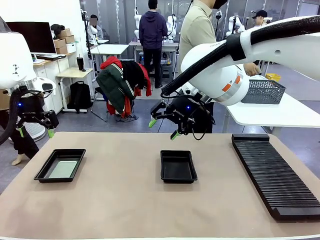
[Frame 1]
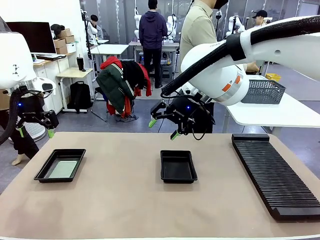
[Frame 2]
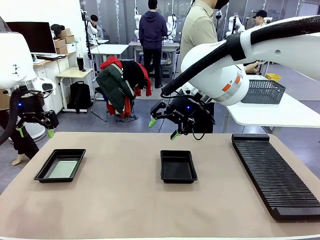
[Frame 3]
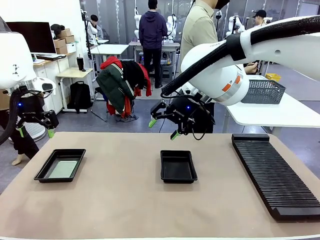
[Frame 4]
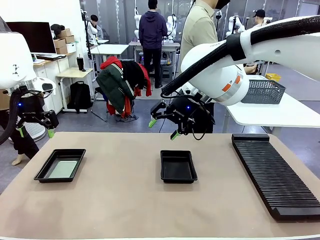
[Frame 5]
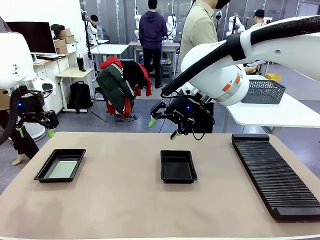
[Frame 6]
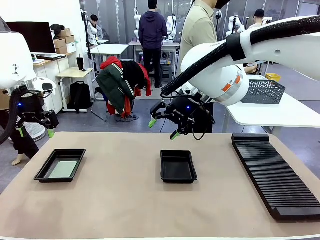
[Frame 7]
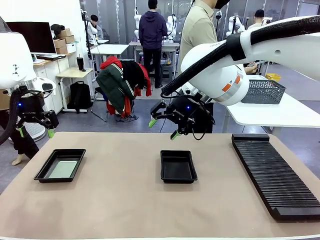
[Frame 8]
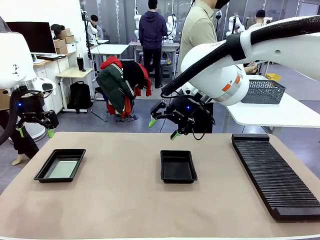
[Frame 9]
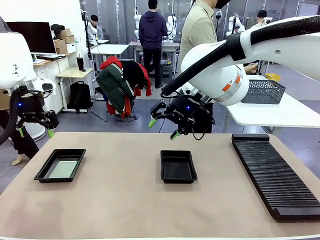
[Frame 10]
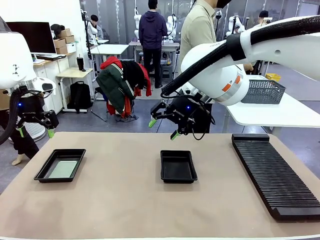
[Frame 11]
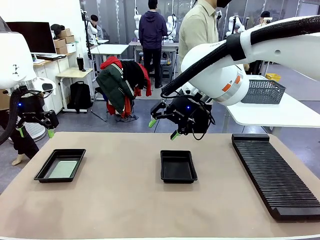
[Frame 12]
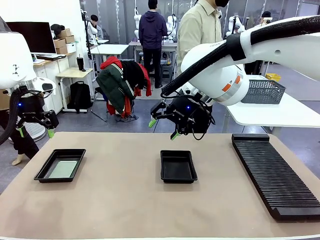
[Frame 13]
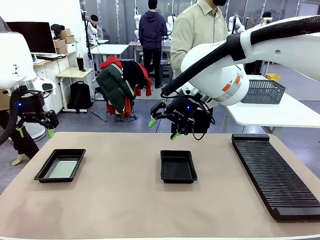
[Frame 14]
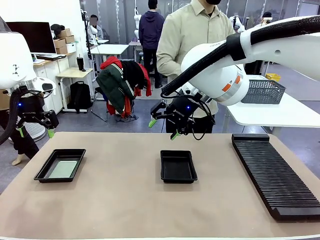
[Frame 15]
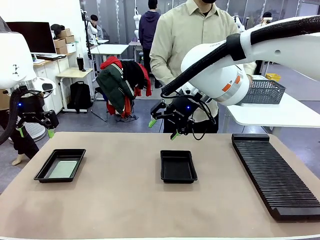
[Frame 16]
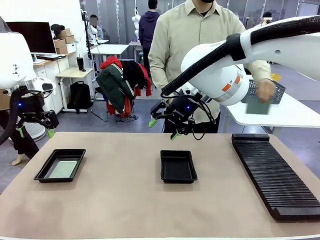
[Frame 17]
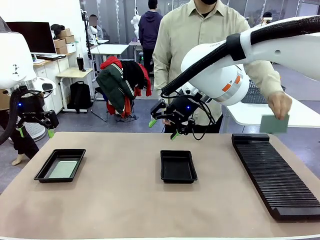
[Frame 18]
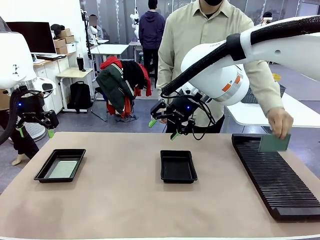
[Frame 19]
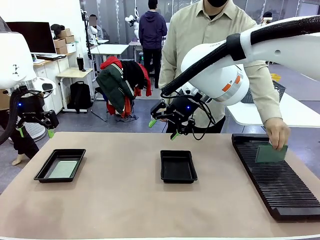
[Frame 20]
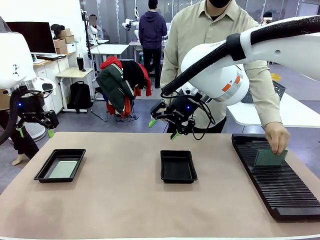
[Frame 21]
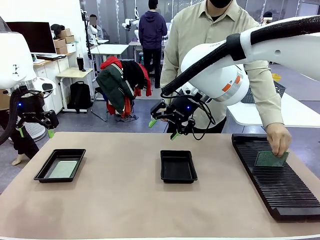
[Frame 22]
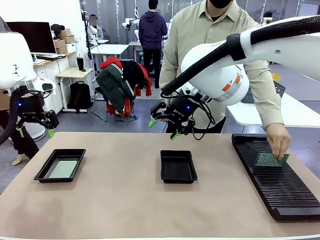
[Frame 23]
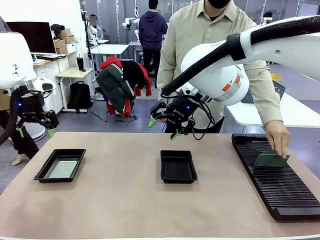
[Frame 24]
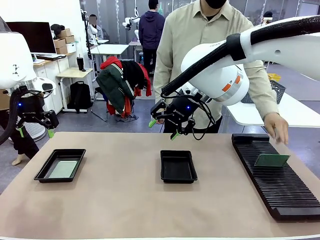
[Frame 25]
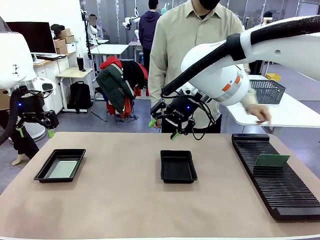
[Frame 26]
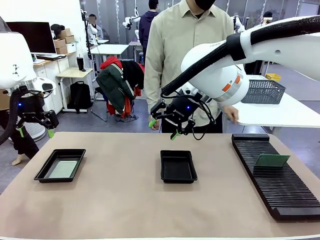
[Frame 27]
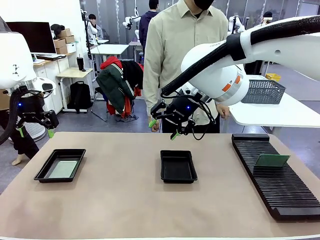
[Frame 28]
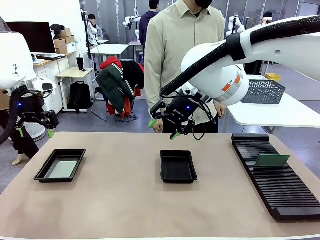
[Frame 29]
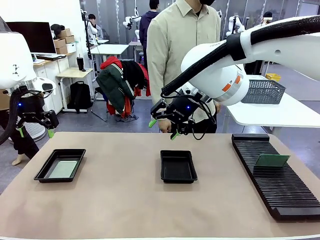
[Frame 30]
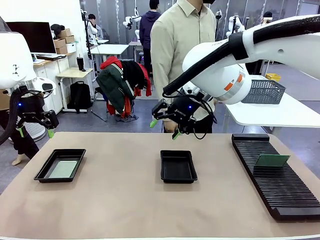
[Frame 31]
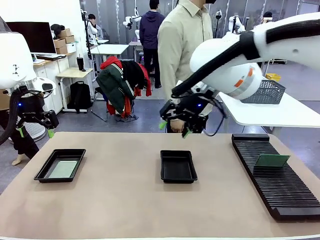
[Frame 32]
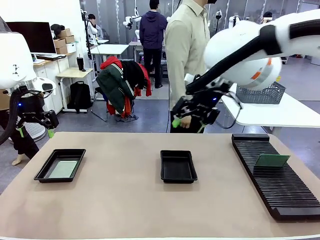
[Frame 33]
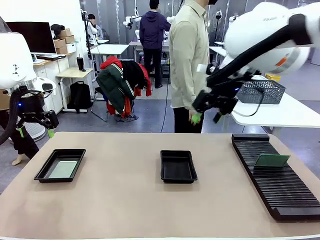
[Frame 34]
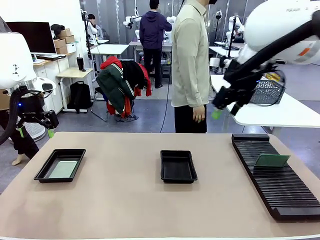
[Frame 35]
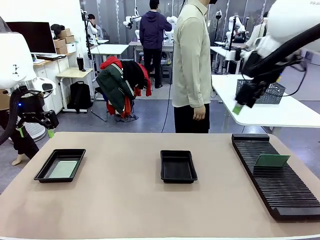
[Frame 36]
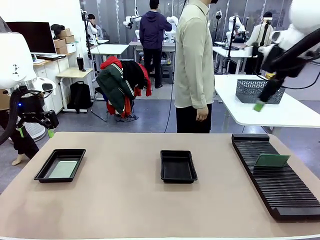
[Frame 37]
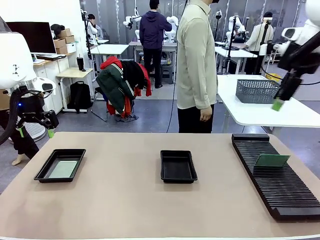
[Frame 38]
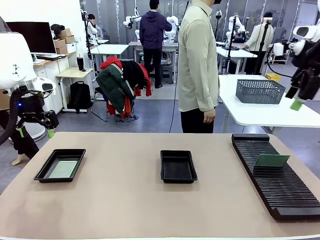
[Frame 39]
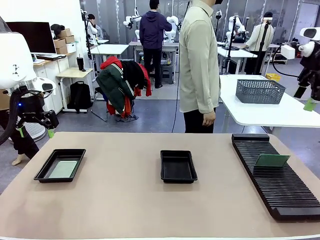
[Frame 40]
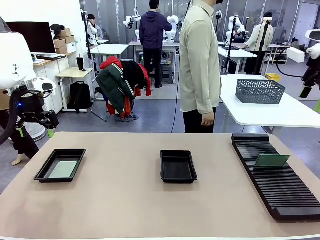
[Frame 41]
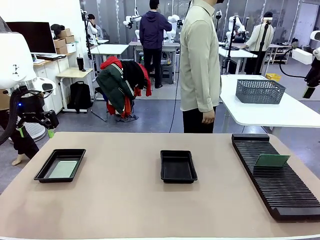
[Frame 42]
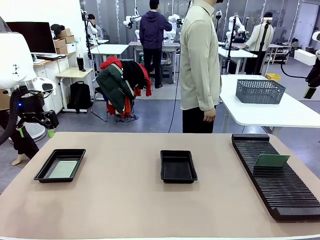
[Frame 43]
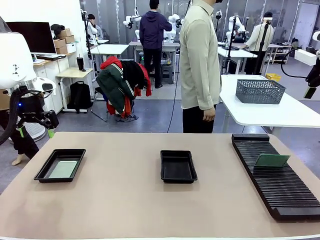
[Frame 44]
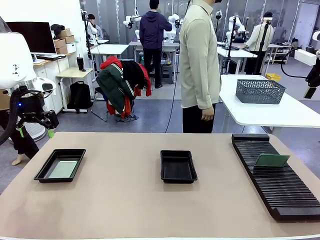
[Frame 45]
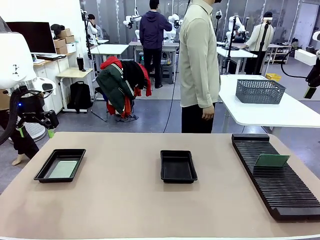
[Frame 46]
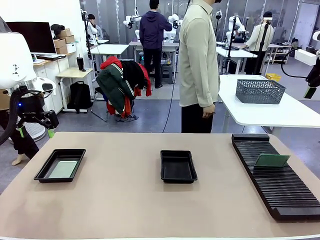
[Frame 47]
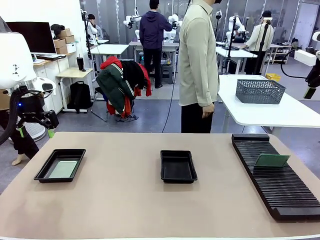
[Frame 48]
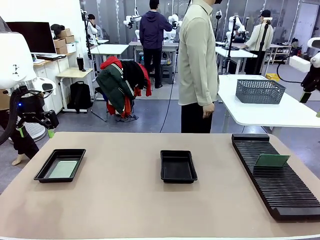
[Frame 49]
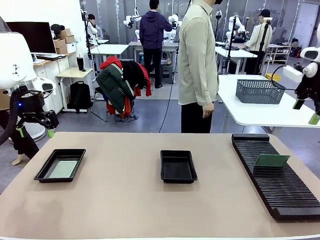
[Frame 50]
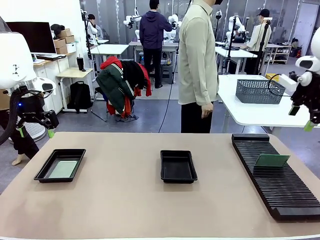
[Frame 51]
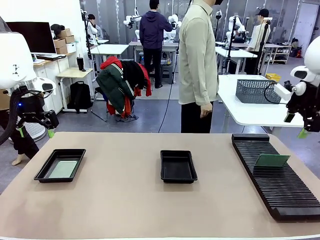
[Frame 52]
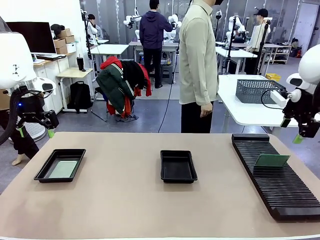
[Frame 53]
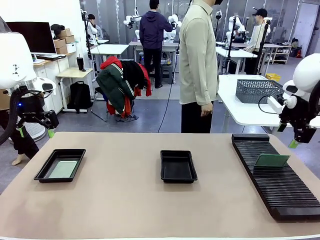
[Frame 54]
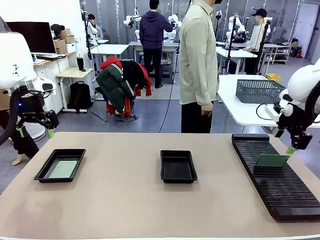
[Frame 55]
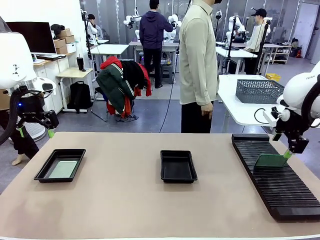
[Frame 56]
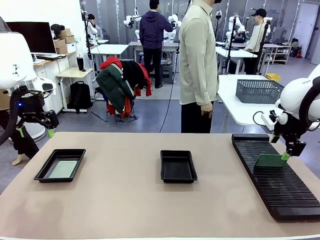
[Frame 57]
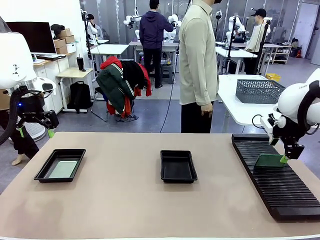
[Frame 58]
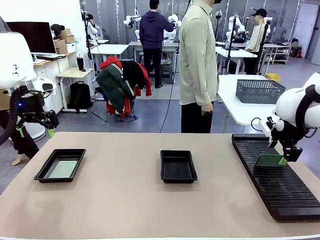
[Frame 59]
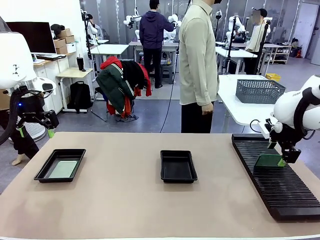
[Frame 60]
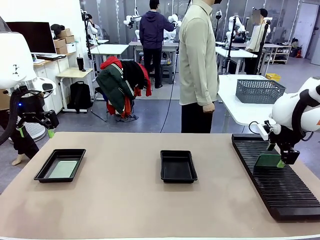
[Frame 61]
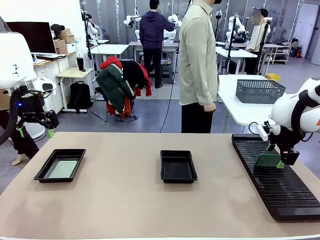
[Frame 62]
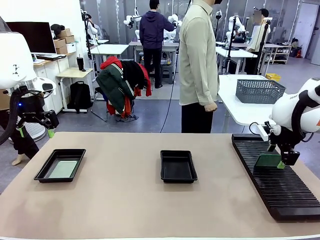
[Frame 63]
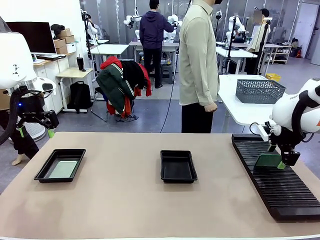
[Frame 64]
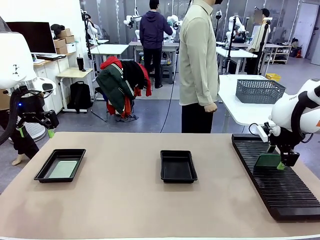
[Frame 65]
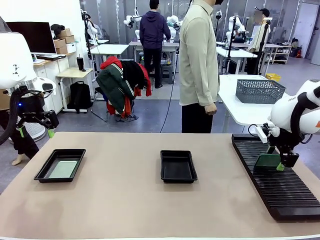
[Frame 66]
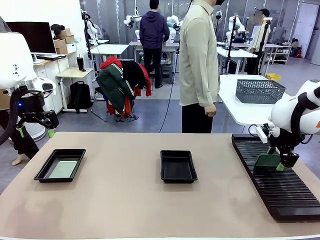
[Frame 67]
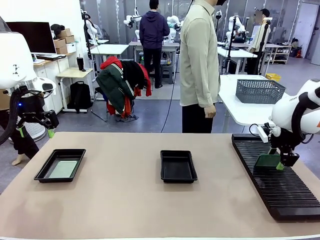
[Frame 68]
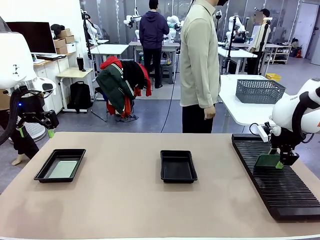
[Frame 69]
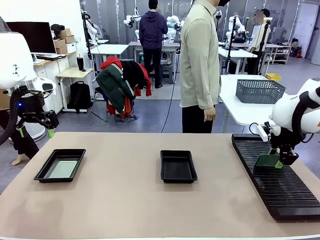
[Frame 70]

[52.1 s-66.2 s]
Task: Inspect and transfer BCBs to ESD trays.
Robot: Pick up the Blank PCB from the PCB Rack and place it in the right ESD tray.

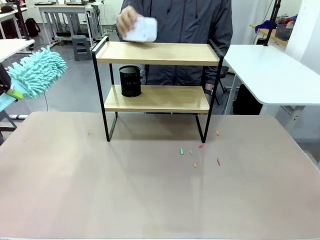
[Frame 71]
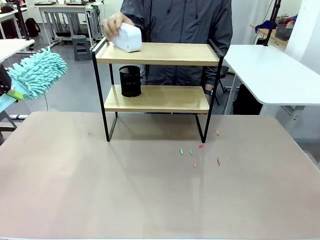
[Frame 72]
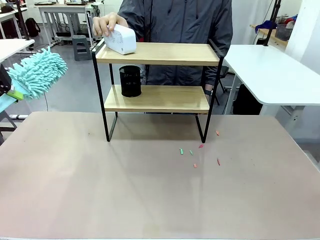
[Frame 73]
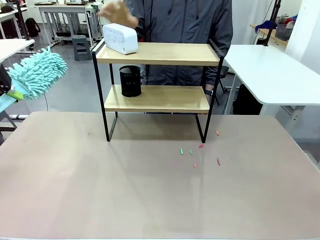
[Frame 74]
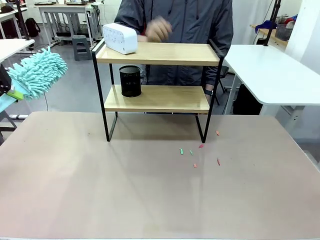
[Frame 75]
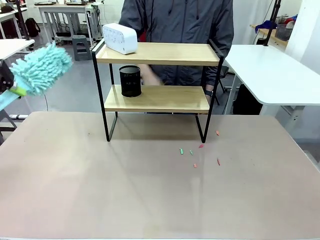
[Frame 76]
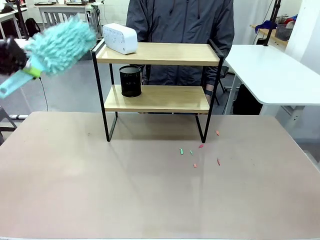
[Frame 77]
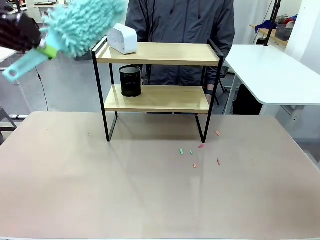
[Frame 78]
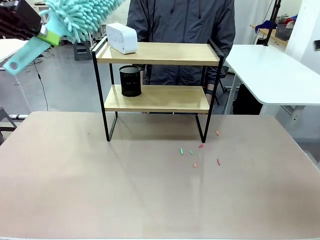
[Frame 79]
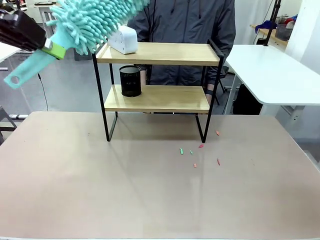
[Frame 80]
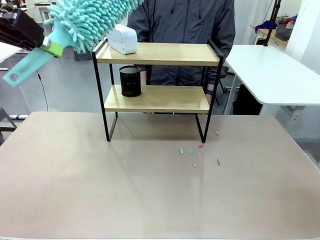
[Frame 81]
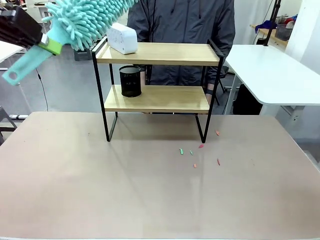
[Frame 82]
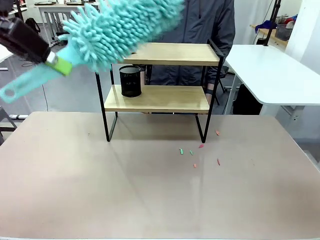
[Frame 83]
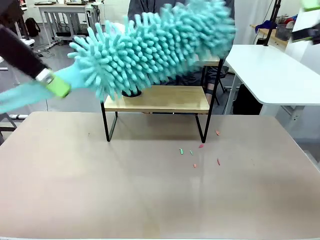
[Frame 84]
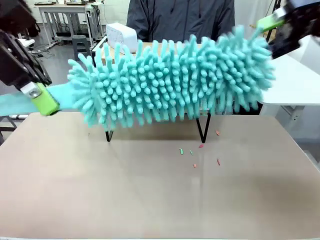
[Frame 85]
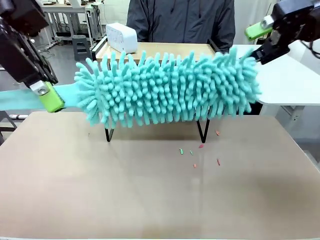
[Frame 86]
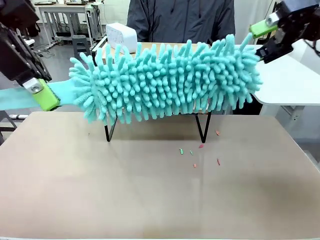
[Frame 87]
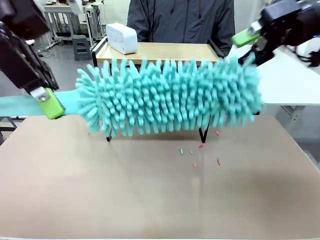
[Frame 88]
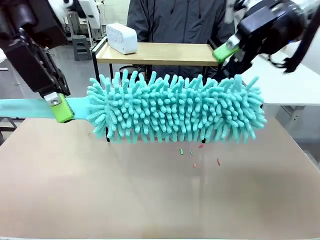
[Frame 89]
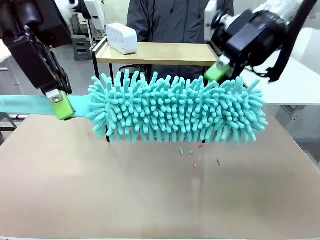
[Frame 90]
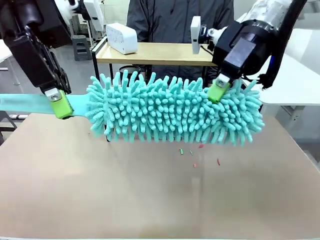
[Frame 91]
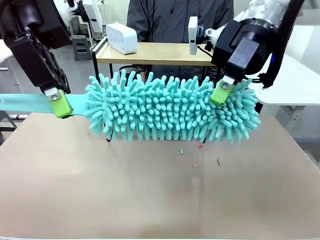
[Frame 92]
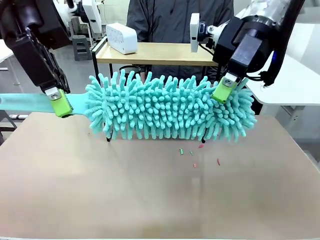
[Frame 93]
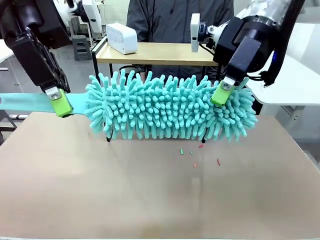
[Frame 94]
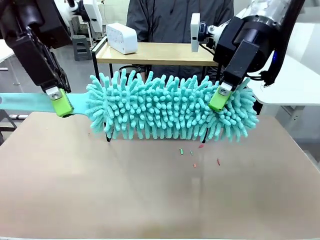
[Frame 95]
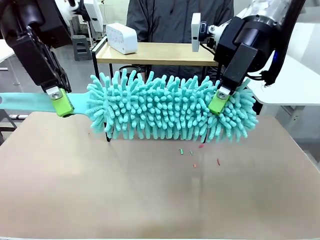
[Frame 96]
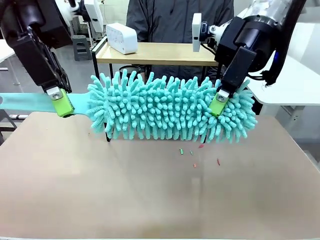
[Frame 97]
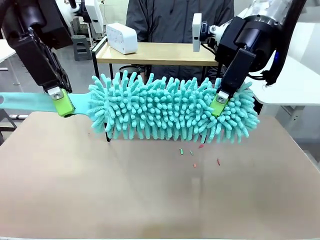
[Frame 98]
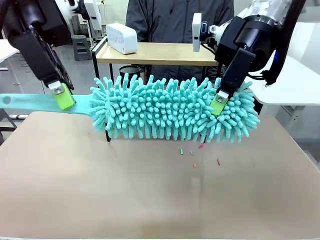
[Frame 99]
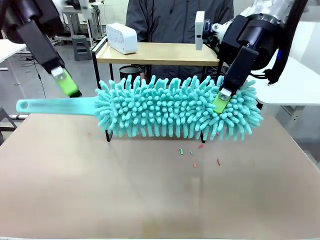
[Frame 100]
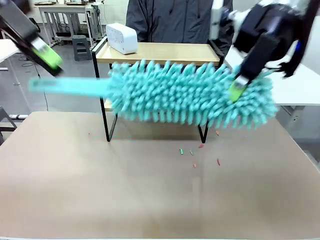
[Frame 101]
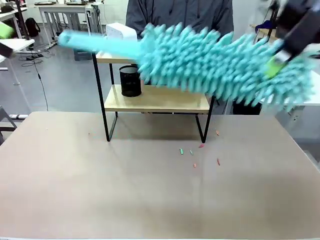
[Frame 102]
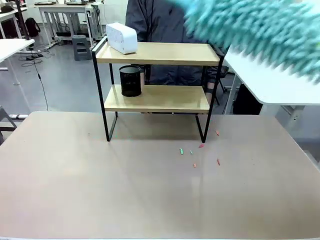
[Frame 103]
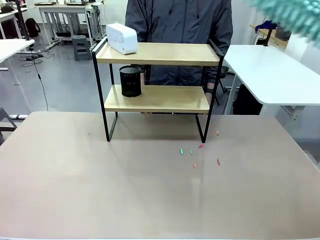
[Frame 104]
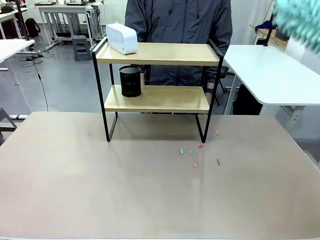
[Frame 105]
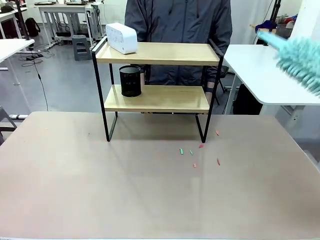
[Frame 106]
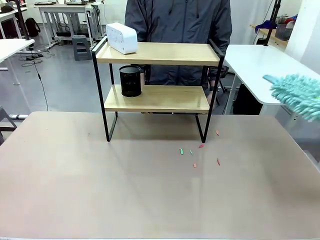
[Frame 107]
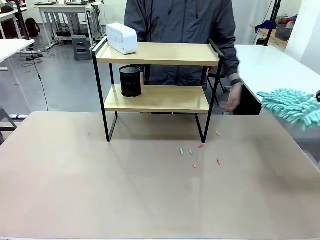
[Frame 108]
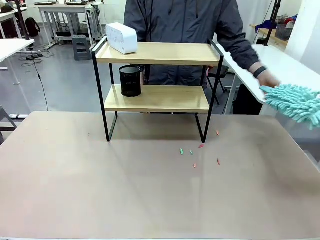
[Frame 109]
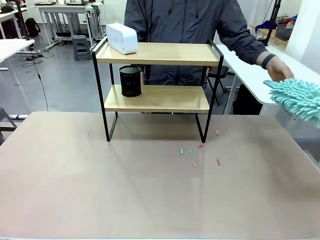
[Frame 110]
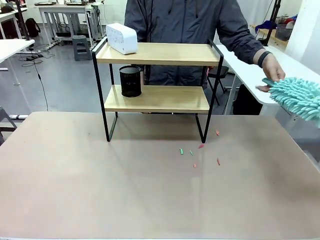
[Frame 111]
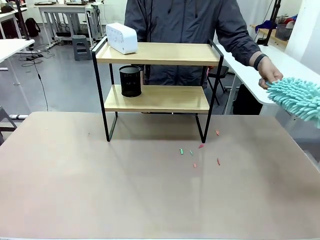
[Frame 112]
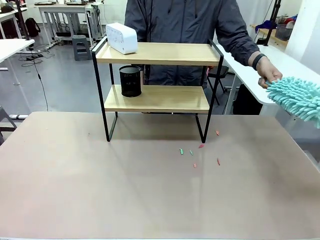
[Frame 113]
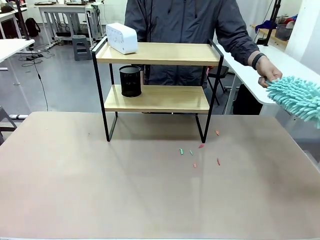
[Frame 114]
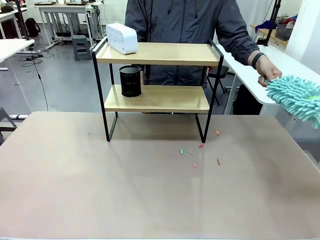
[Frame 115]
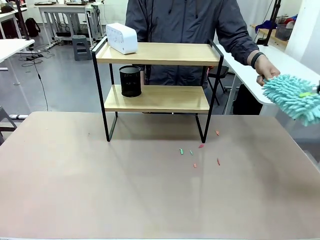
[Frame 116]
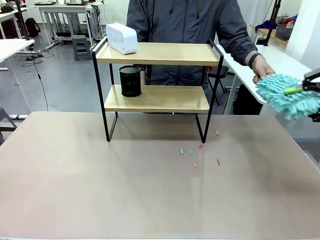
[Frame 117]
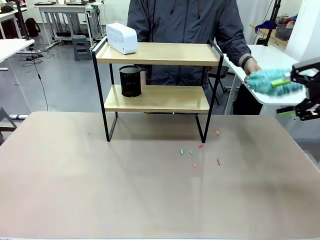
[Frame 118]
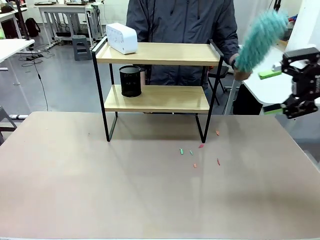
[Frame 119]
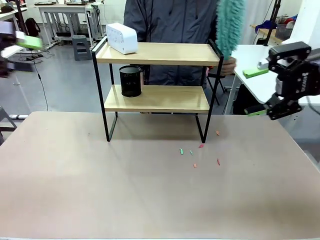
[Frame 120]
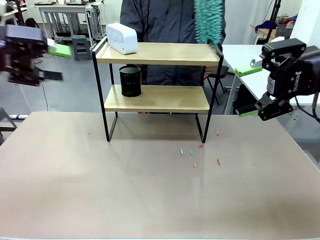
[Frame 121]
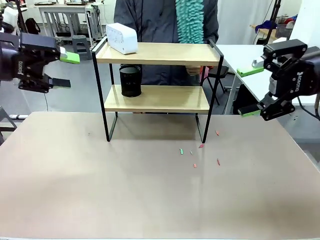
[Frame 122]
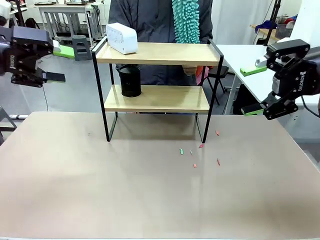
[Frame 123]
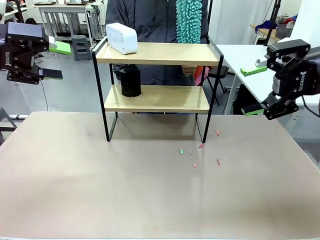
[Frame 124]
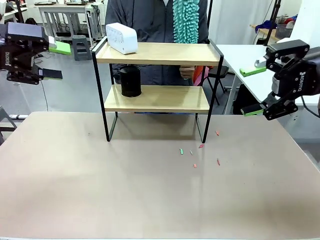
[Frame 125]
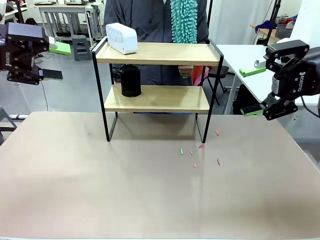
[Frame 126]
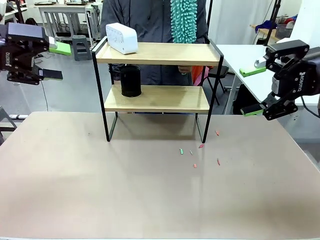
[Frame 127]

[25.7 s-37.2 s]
Task: Clean the shelf.
Robot: Hand the Duster back to the human.
Person: Receive the Duster from the robot.
